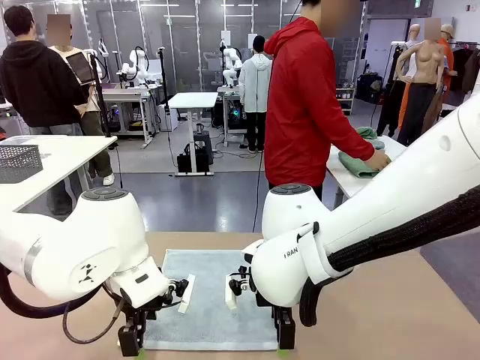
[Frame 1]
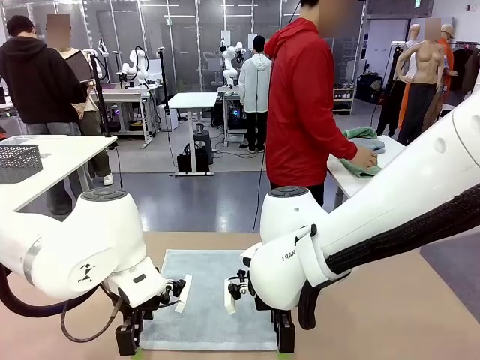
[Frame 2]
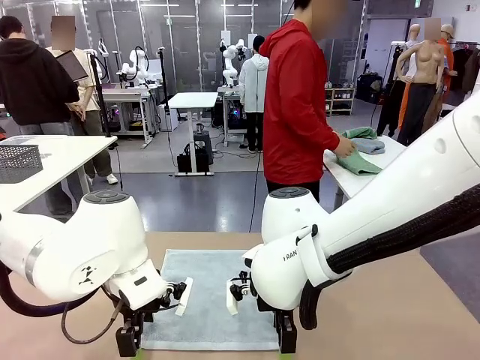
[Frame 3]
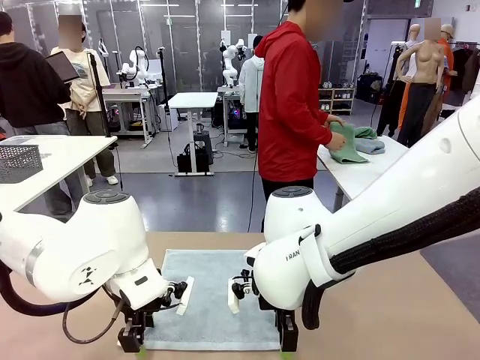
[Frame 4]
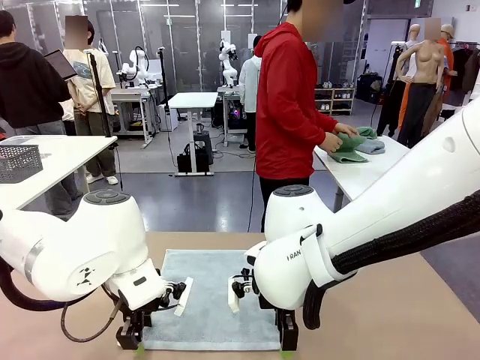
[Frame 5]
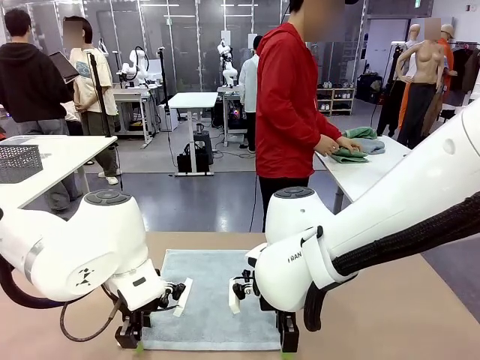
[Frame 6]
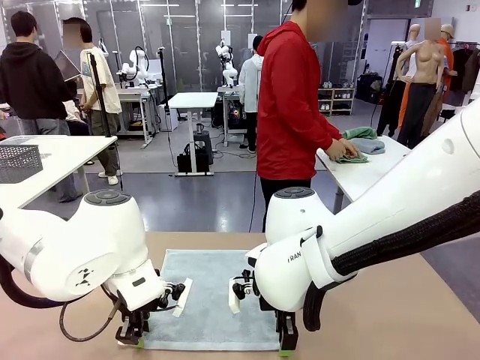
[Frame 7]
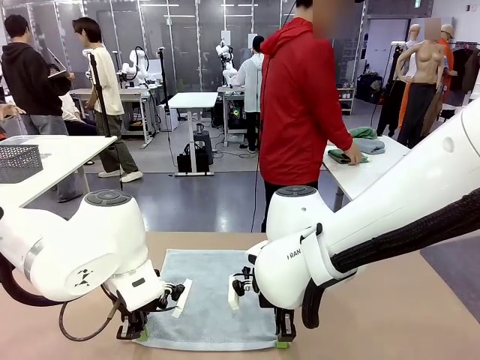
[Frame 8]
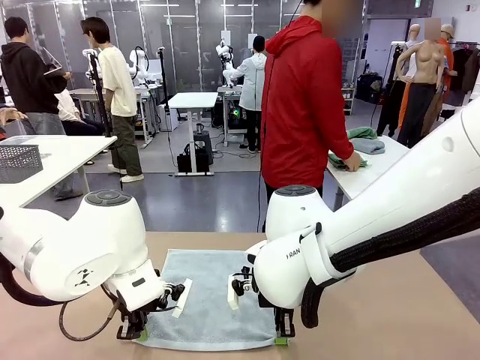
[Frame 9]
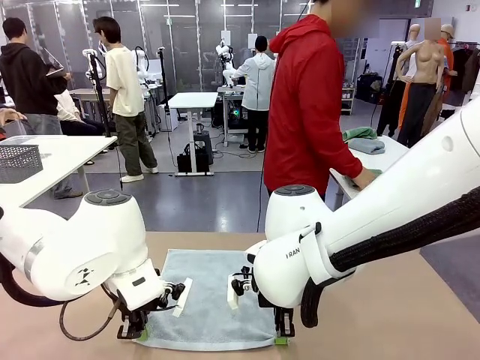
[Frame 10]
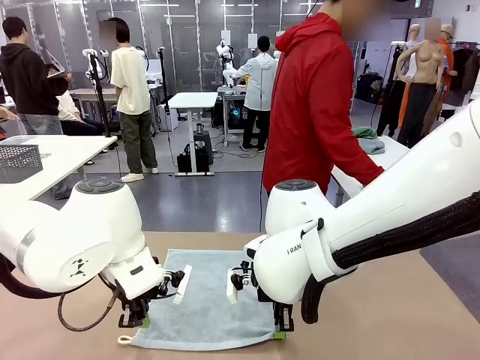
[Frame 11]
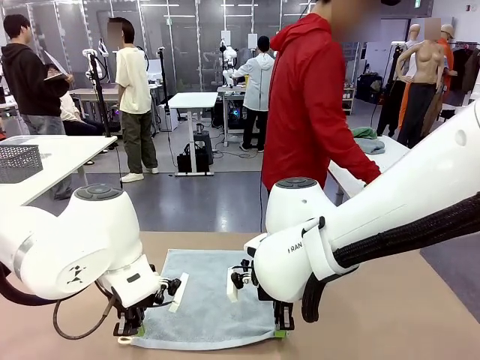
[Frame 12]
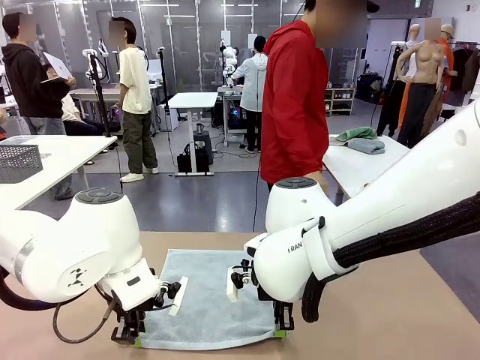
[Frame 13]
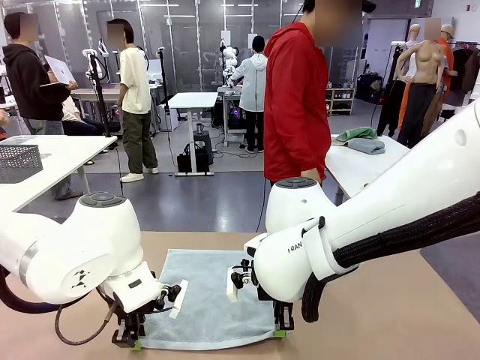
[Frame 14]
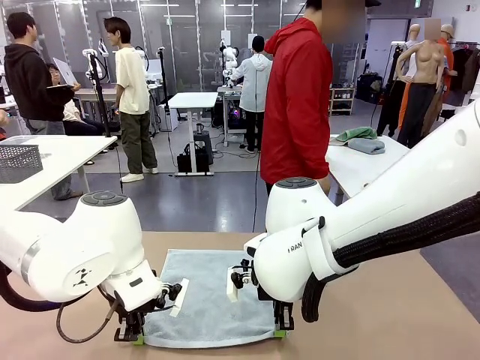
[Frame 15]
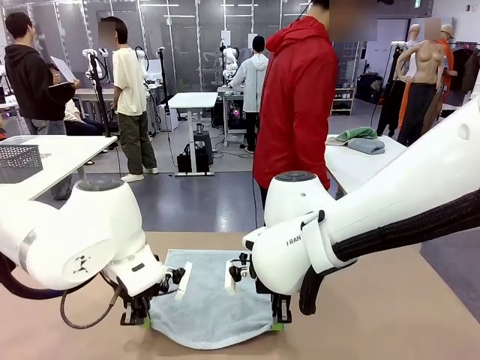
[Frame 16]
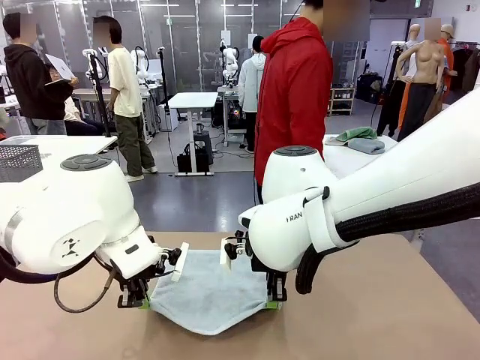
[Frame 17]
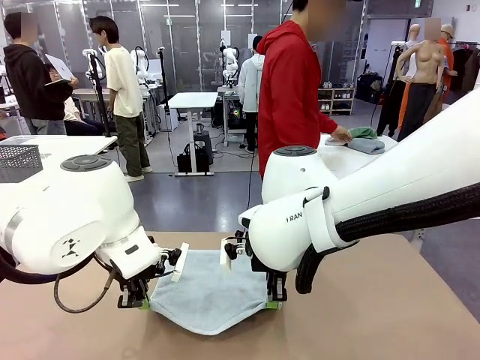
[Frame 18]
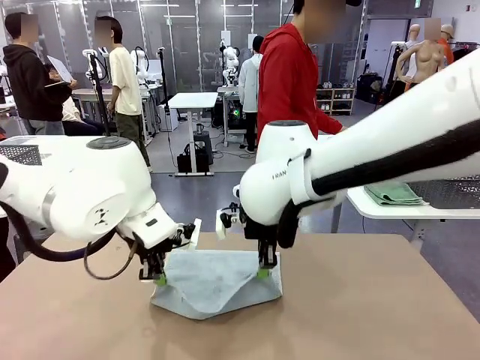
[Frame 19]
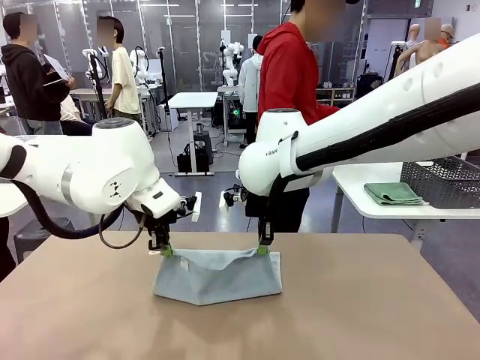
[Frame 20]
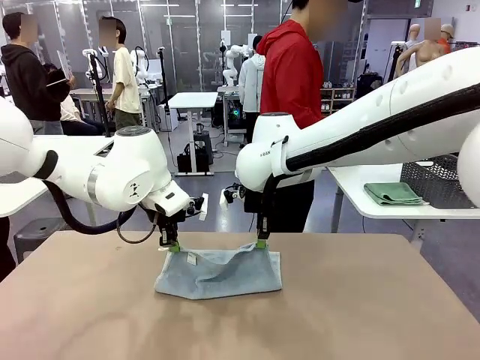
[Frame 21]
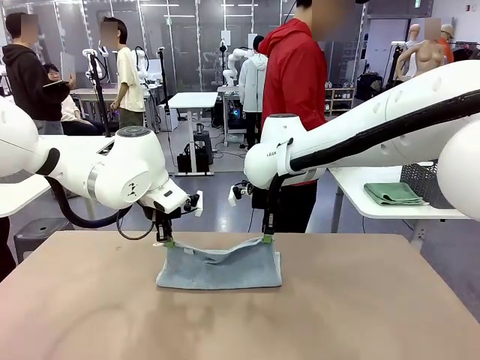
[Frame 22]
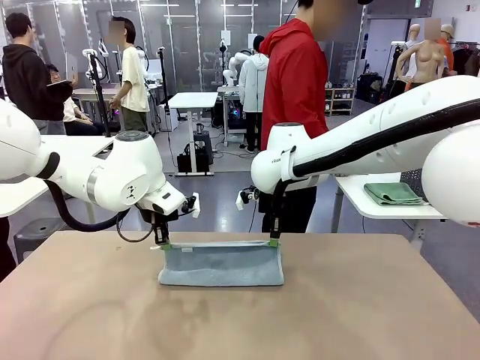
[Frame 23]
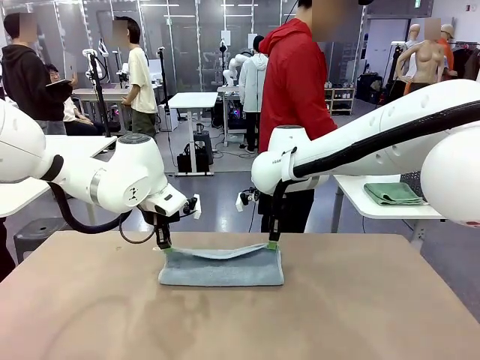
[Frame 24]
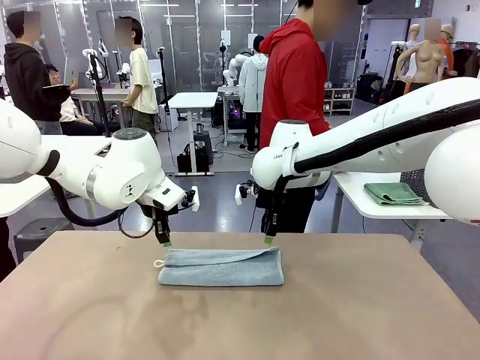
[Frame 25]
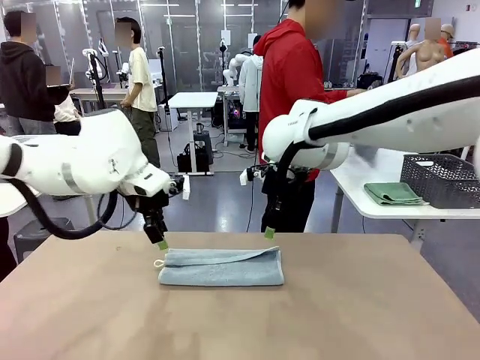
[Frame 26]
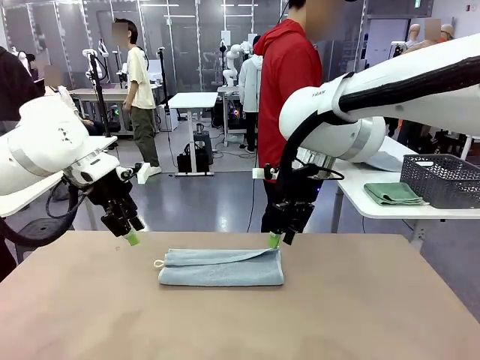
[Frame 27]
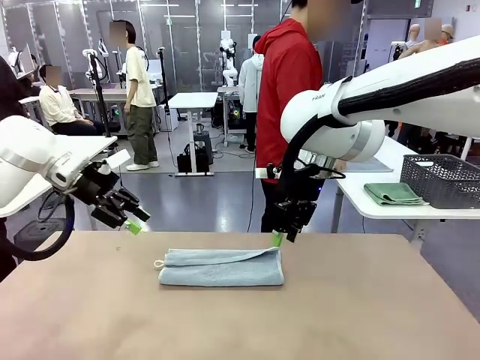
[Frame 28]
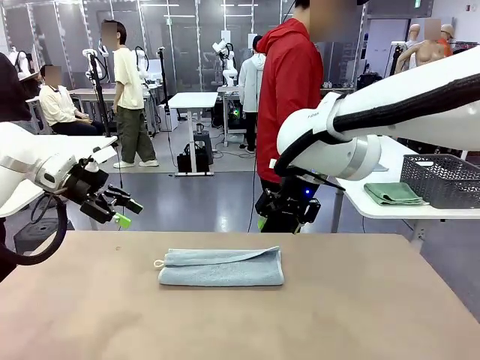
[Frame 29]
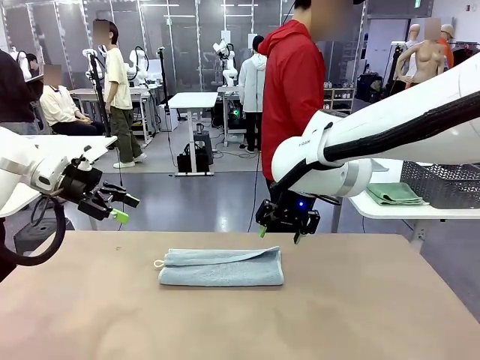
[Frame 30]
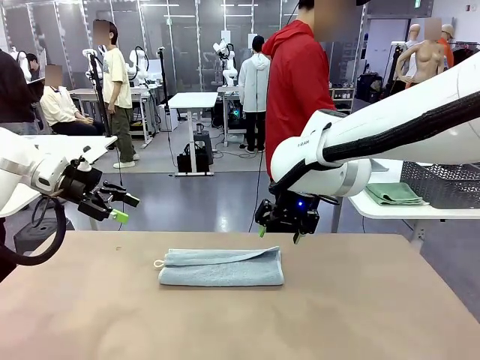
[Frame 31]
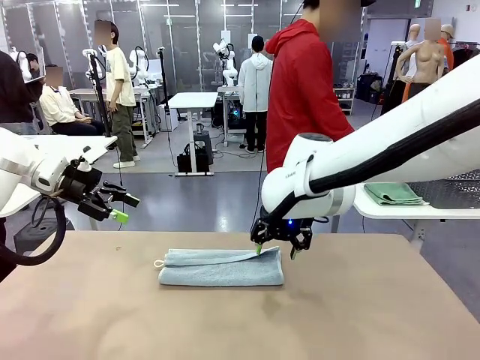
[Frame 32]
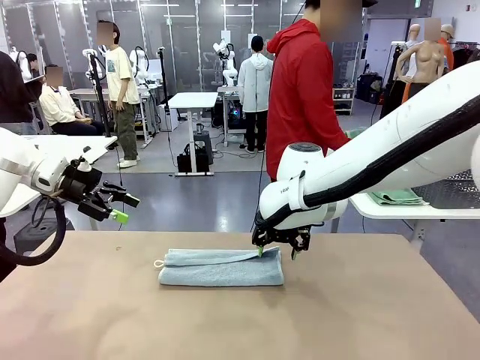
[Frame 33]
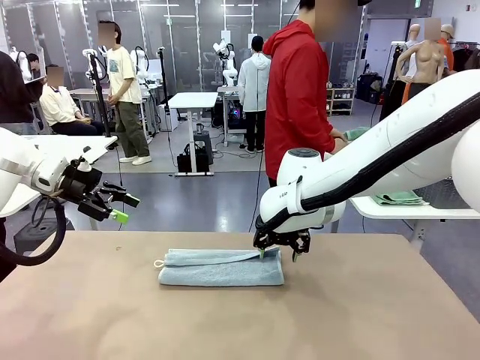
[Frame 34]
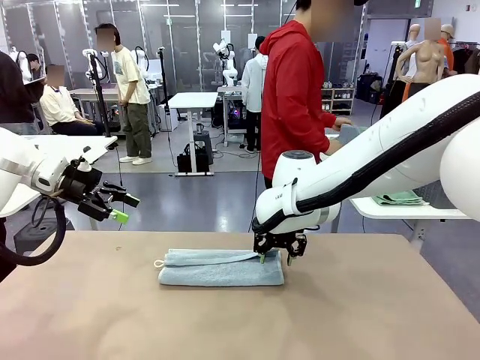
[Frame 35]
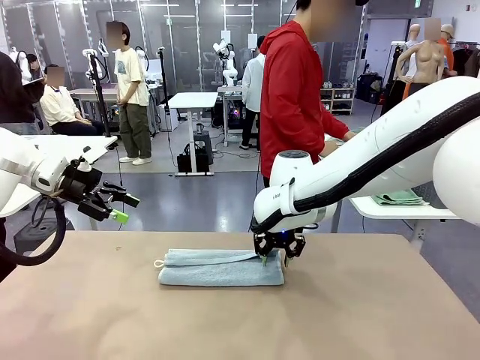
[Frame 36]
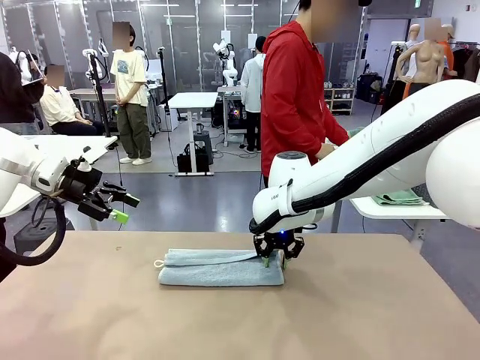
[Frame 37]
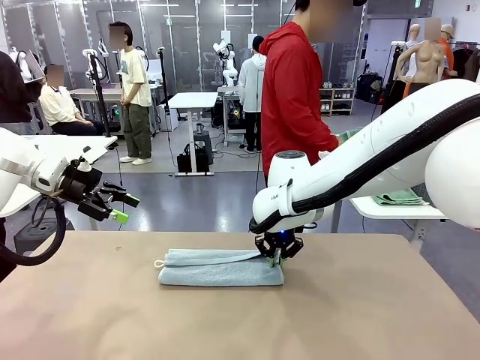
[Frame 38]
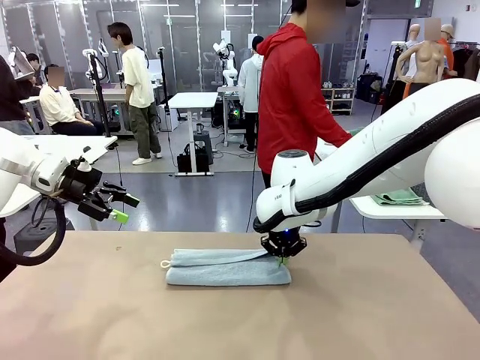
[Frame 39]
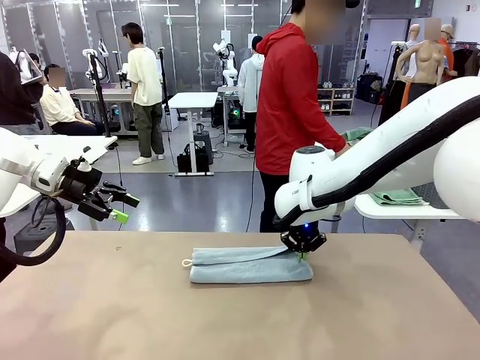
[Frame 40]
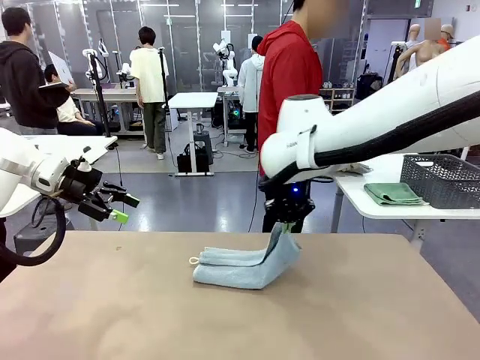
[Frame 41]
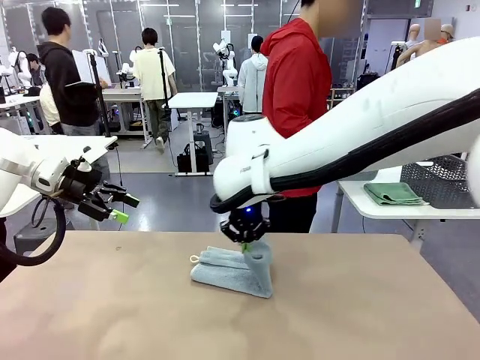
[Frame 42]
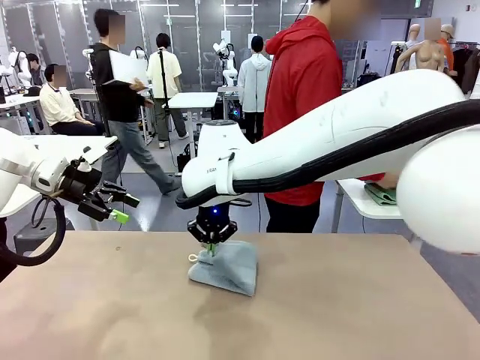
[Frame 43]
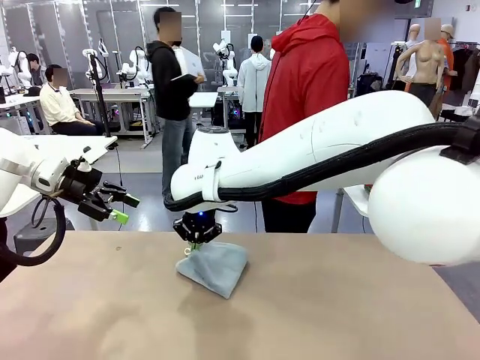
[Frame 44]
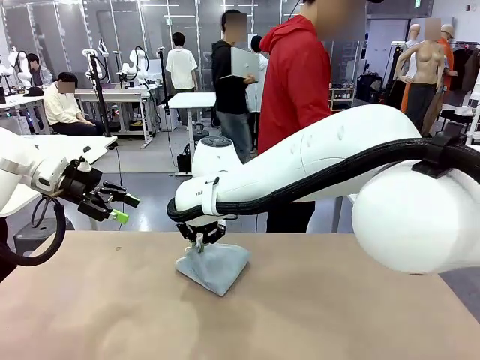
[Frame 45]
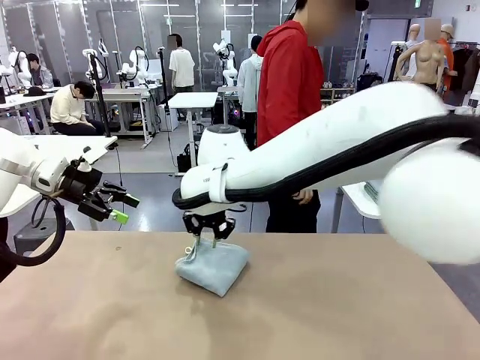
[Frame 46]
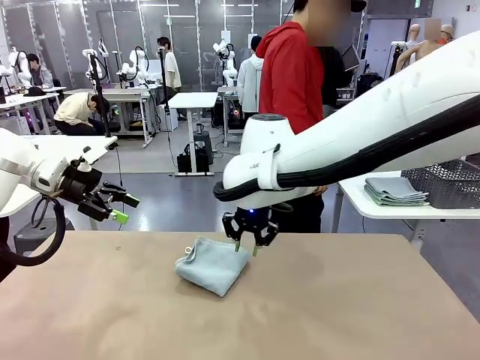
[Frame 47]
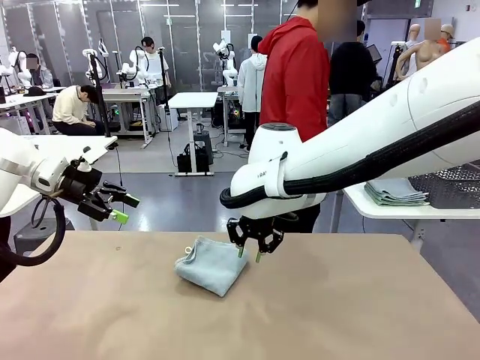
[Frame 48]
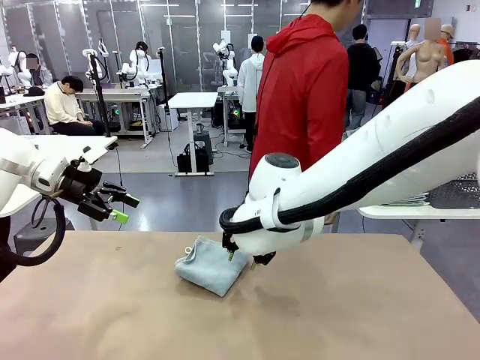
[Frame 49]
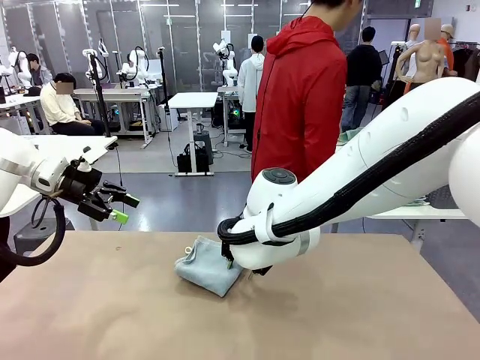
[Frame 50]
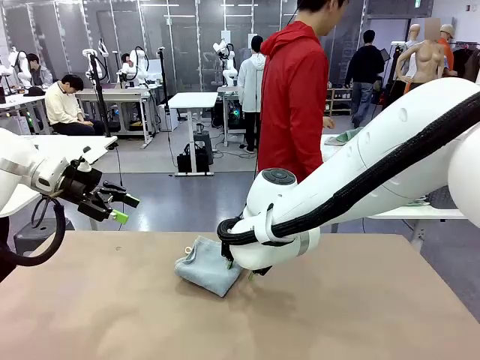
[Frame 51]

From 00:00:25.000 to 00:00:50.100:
Task: Fold the towels and place them in the basket.
Robot: When a person lays out a Towel with hook on the table, fold it in half twice.
Person: Pick up one towel from the left side of the human table, fold it in half twice, and stack it on the right side of the table.
